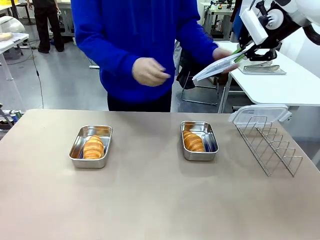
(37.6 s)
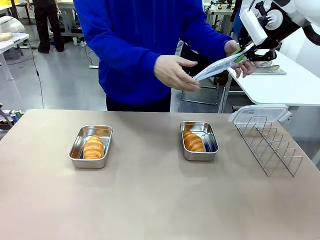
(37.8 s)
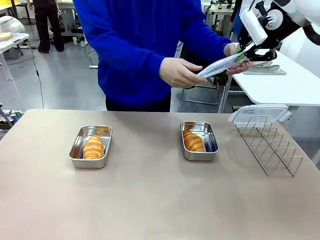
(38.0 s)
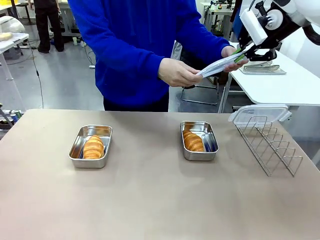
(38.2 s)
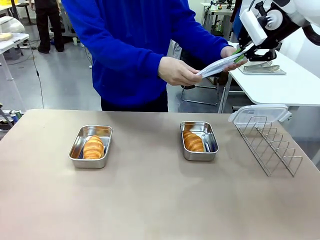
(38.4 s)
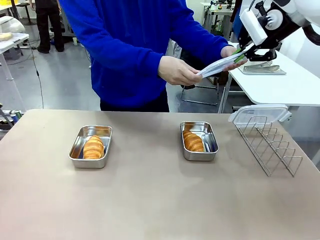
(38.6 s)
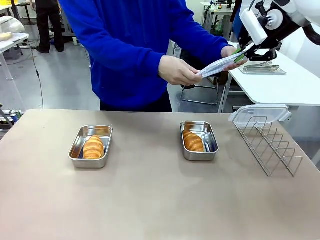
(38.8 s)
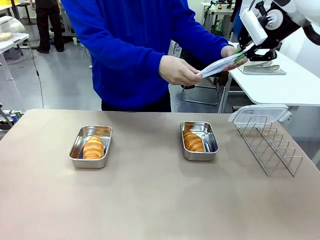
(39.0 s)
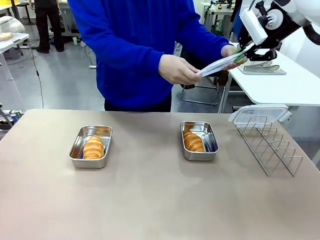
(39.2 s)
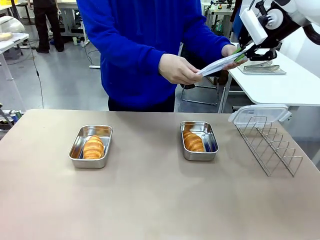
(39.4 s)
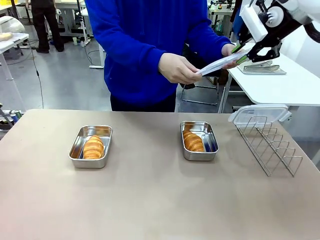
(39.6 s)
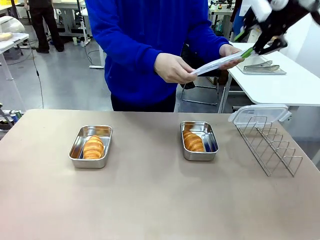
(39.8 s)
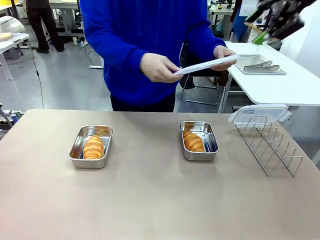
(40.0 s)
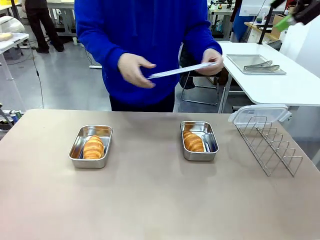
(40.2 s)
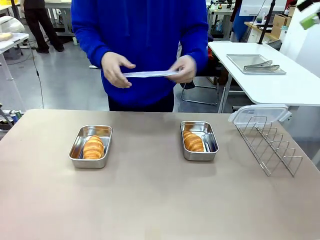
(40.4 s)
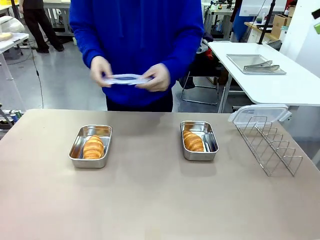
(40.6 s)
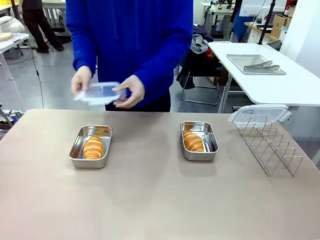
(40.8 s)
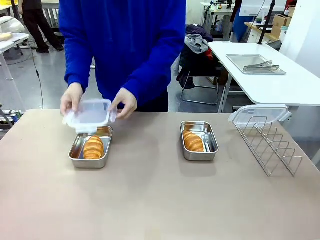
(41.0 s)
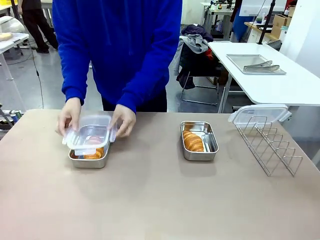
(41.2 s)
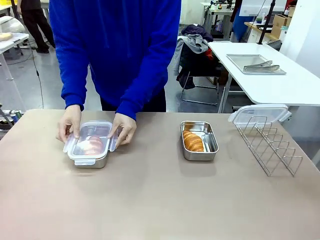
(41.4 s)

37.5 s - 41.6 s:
Task: Place the bread in airtight containers.
Robot: Release when the human grabs the Airtight Container lid.

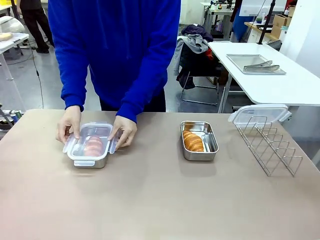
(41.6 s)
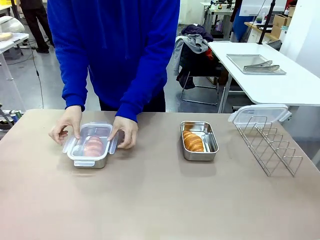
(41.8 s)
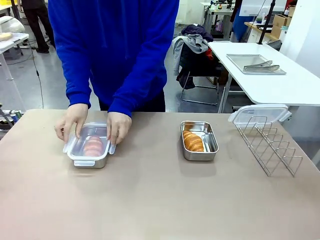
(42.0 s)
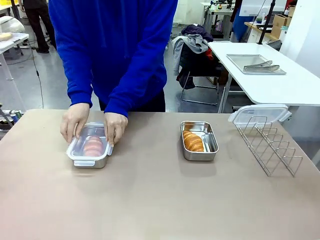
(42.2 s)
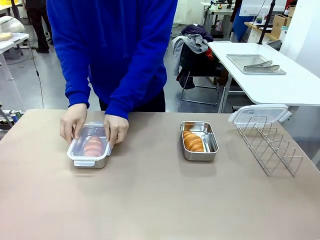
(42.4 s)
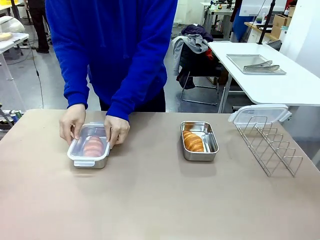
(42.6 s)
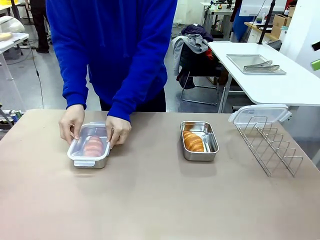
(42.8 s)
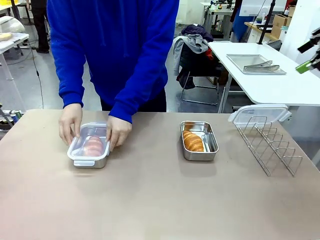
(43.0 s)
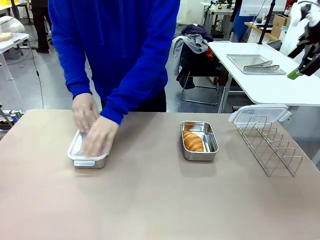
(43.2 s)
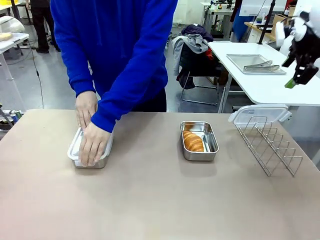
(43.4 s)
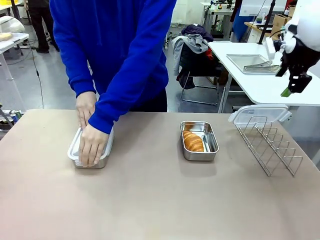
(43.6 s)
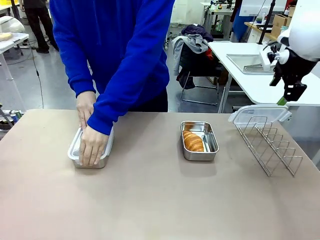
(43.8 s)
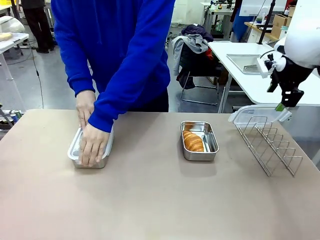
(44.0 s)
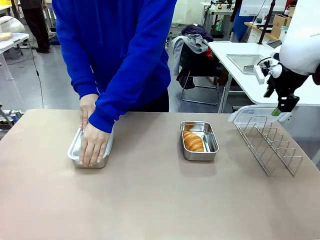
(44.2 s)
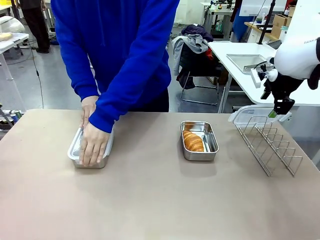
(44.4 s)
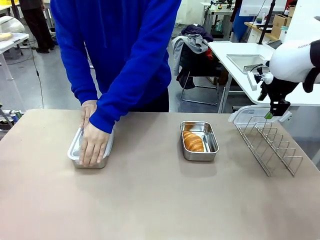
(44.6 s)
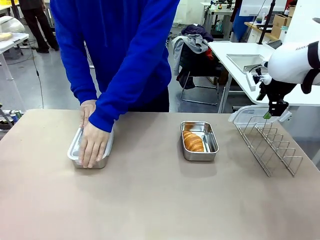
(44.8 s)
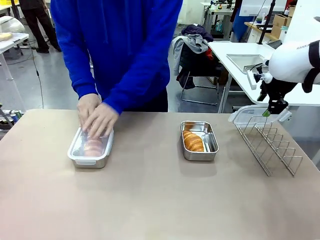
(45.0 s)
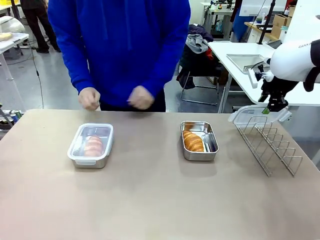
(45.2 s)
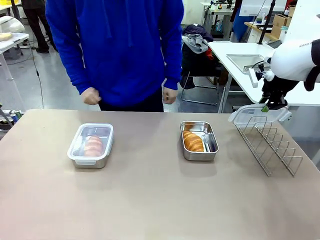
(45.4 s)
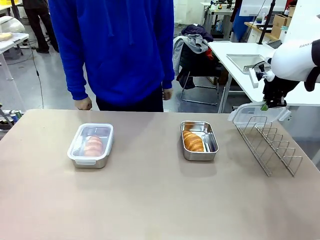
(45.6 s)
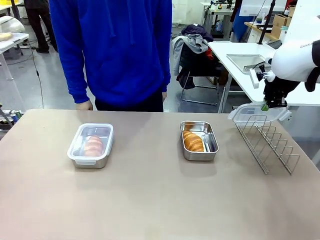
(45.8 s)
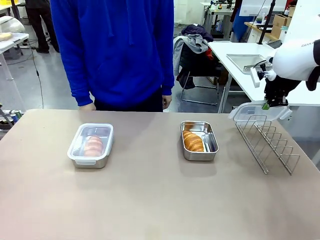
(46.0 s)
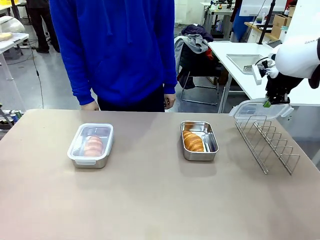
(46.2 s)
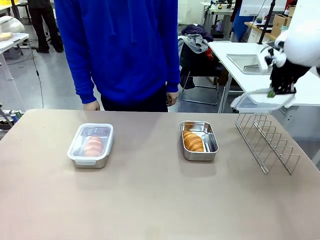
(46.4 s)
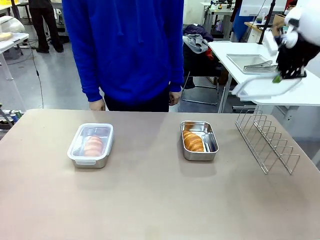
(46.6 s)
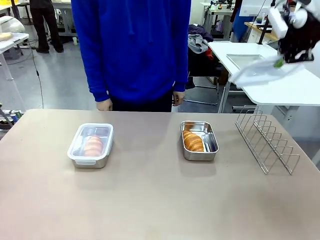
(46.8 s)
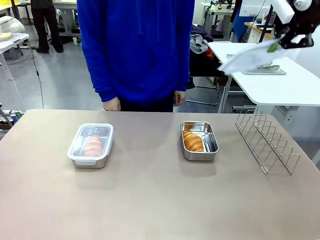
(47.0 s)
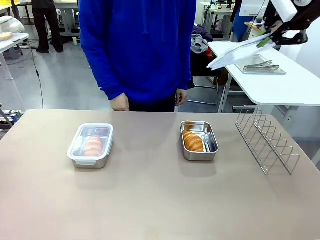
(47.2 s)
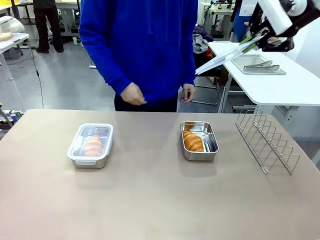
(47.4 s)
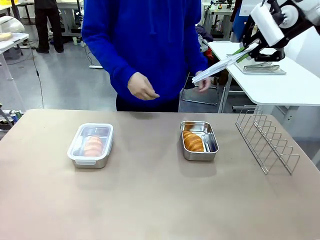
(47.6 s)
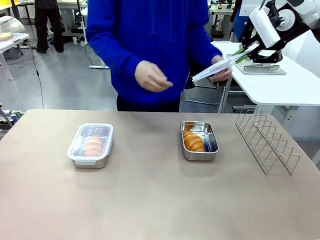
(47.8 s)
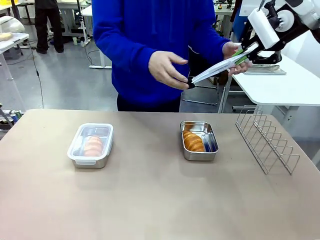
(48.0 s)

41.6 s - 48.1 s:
Robot: Pick up one Airtight Container lid and hand it to the human.
Person: Close Airtight Container with a handed Airtight Container lid. Grip Airtight Container lid that robot is handing.

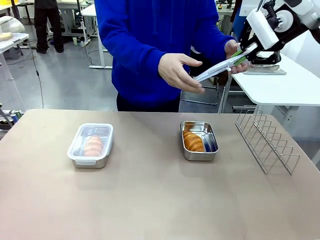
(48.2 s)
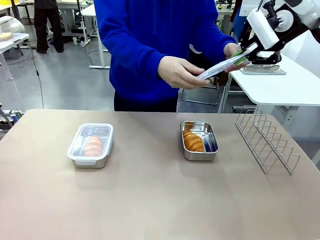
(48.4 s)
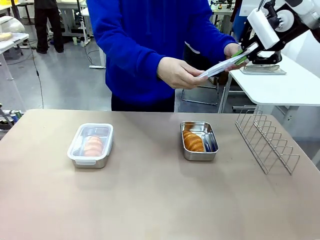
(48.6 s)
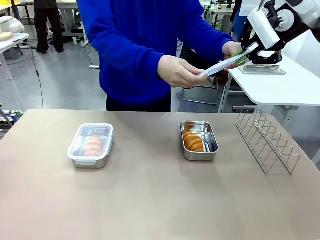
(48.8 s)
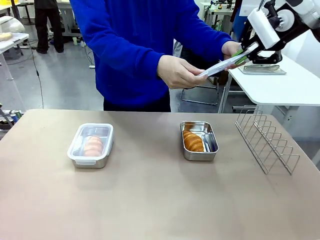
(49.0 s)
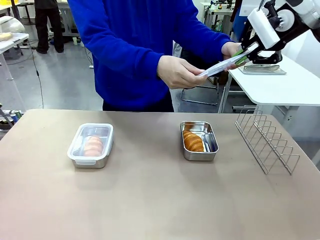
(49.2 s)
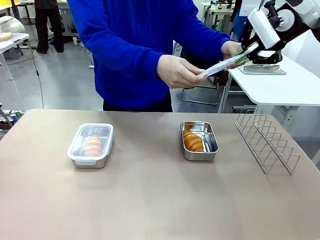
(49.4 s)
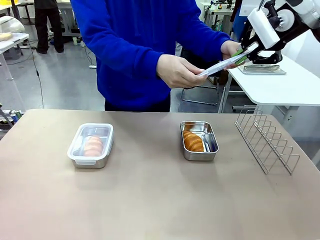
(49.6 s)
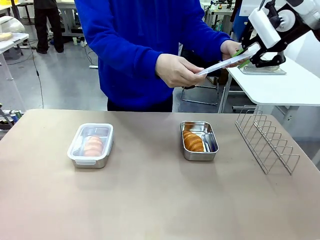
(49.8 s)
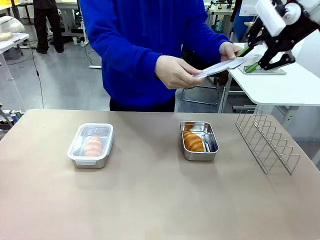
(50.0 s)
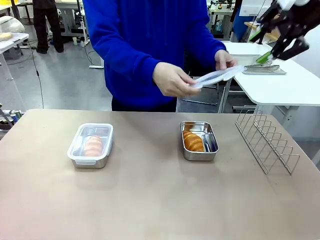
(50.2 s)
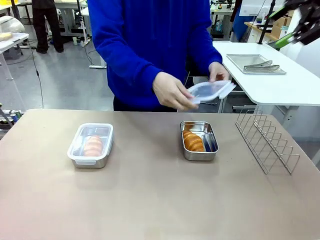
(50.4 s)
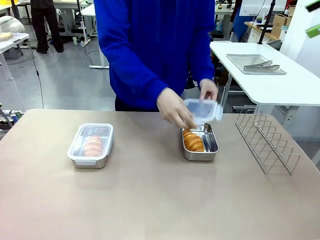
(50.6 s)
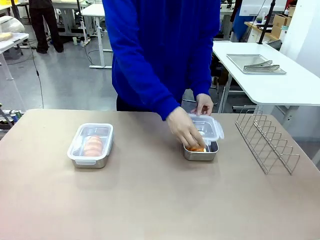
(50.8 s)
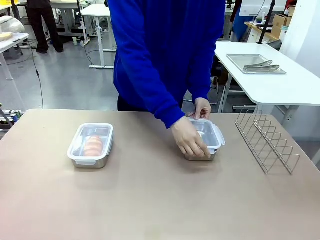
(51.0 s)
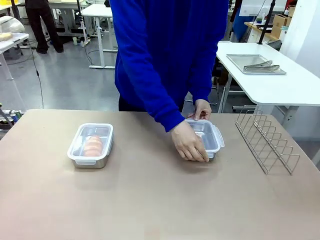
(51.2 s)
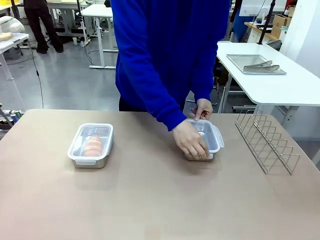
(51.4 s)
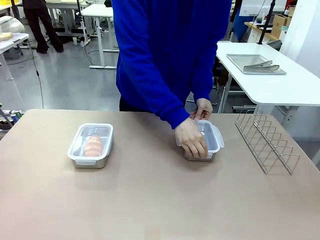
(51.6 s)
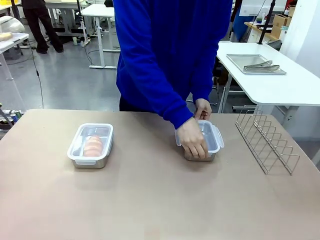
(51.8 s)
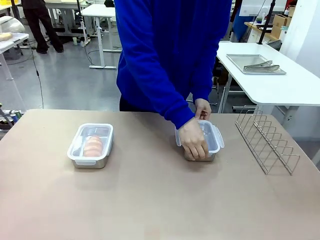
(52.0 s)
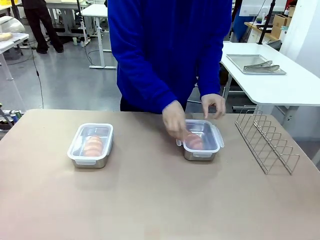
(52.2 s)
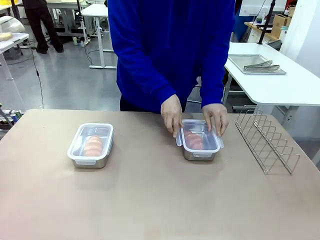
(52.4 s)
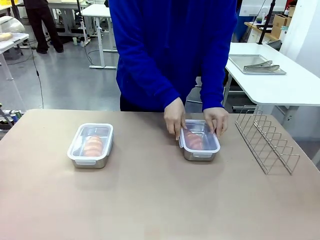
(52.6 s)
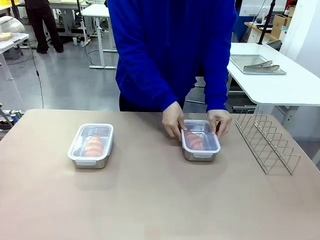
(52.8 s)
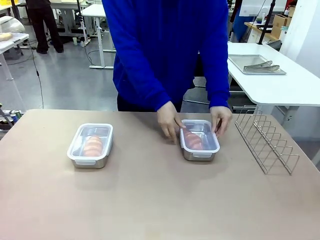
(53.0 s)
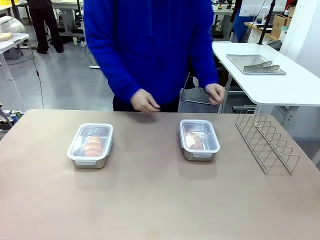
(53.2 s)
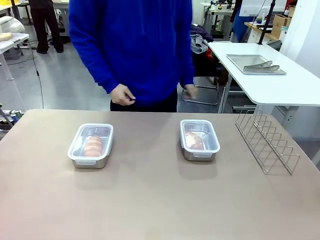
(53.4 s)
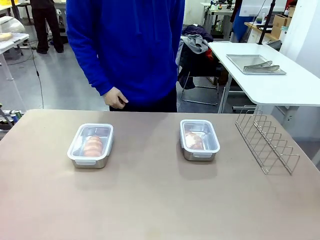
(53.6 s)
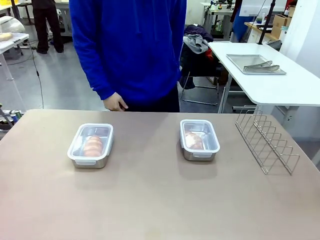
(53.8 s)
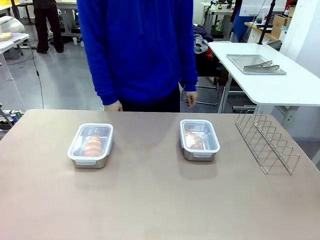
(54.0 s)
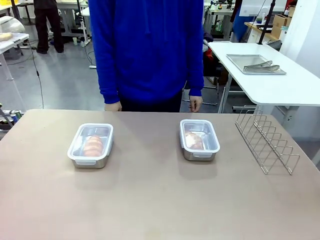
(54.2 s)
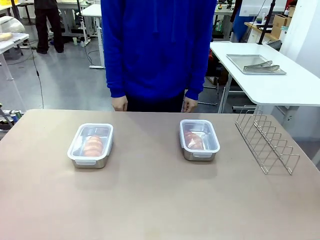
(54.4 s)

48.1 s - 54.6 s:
Robot: Release when the human grabs the Airtight Container lid.
Person: Close Airtight Container with a handed Airtight Container lid.

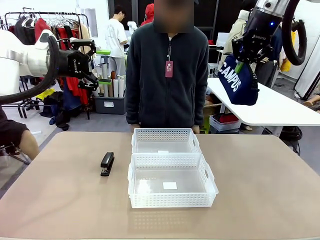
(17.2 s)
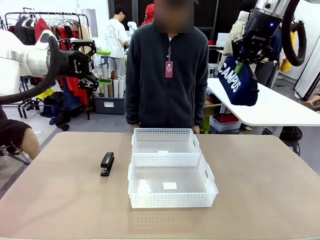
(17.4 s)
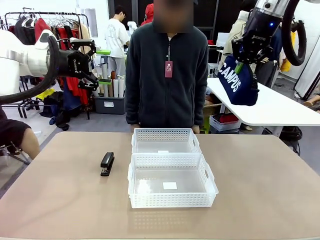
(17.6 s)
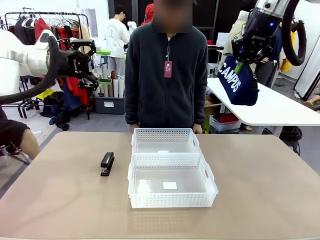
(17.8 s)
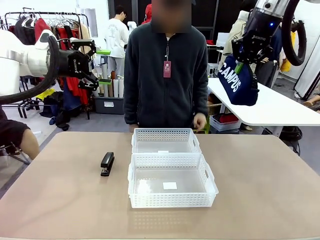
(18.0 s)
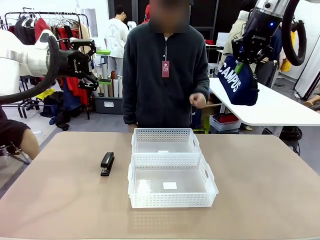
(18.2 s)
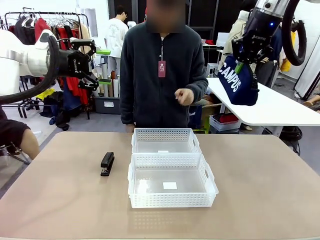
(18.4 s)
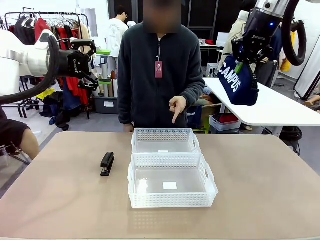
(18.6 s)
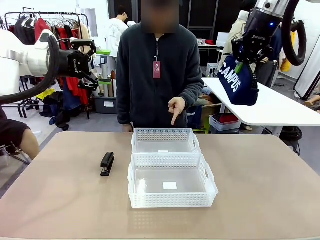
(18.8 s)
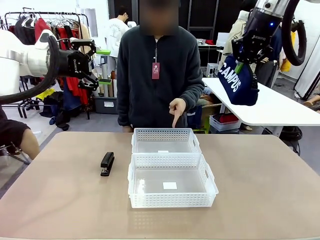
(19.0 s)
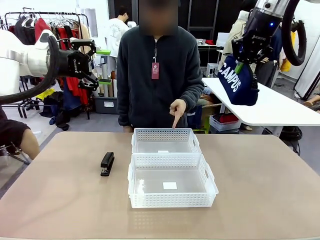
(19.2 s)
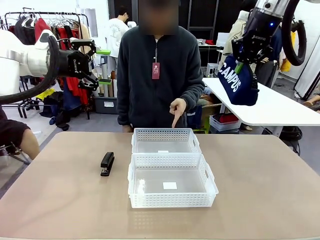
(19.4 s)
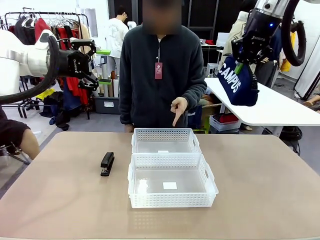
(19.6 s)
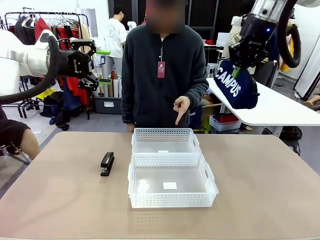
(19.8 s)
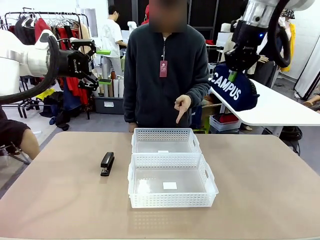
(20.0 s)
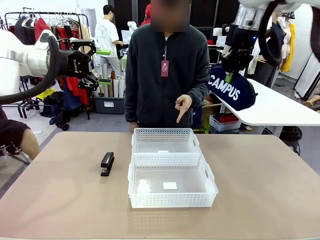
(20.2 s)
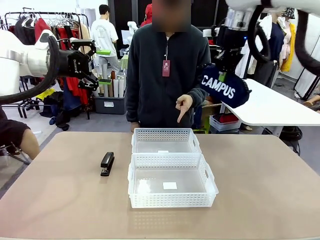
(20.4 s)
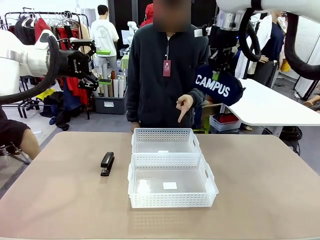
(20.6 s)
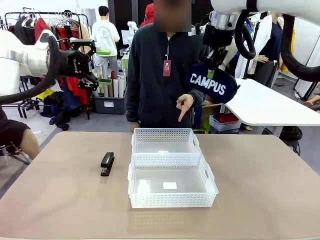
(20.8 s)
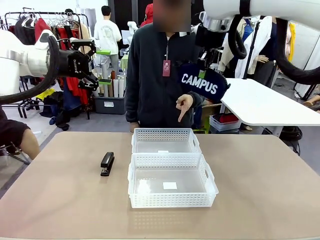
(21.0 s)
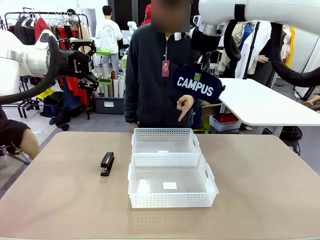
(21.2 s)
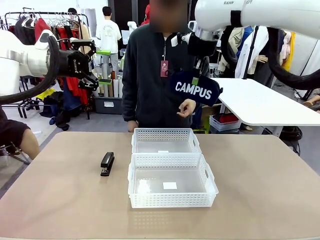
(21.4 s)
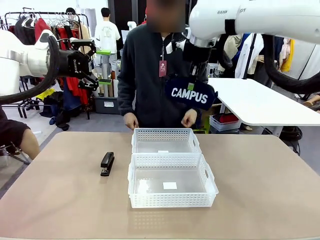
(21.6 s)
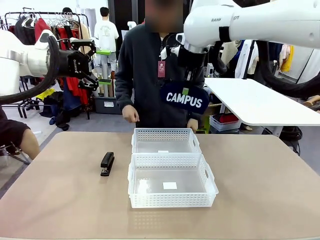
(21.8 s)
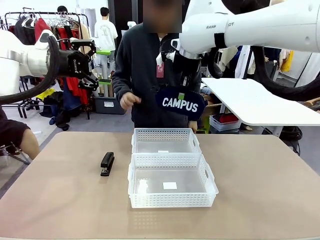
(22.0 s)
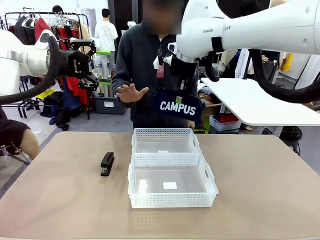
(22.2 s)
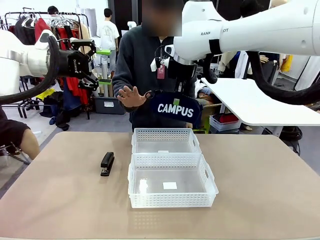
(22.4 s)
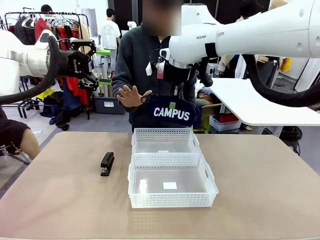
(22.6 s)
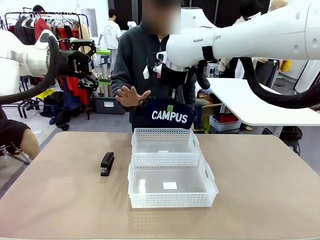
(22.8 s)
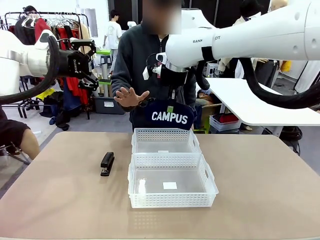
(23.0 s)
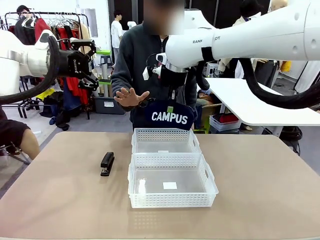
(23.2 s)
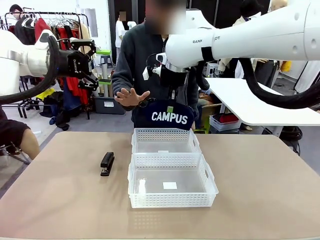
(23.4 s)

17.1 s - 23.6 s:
Task: Distribute items into two baskets.
Robot: Move the picked Pencil pouch towards the Organizing basket indicated by the person, stopping as directed.
Person: Sends a stop gesture before the robot places the pencil case into the basket.
